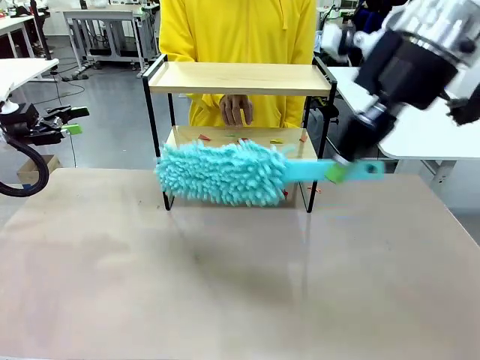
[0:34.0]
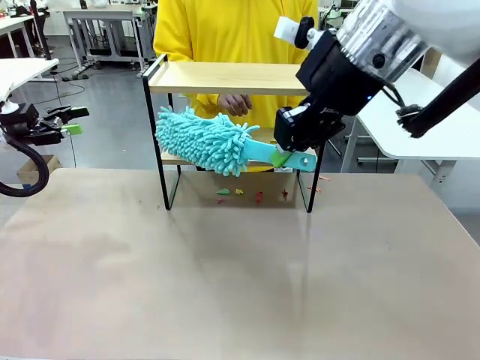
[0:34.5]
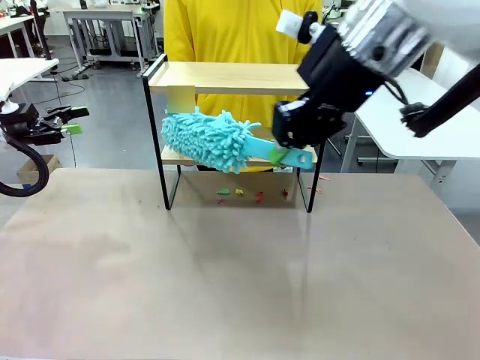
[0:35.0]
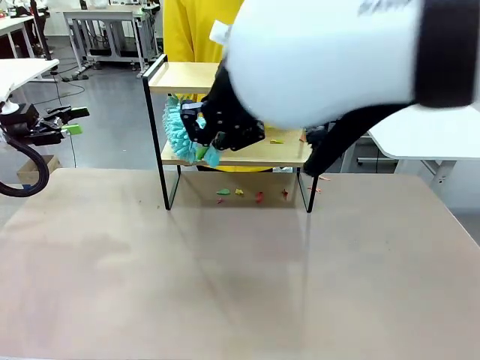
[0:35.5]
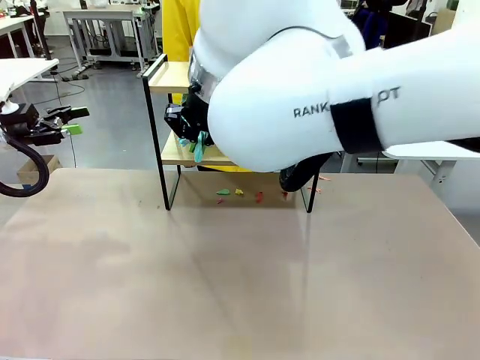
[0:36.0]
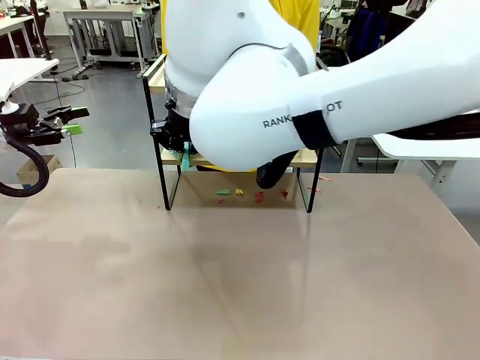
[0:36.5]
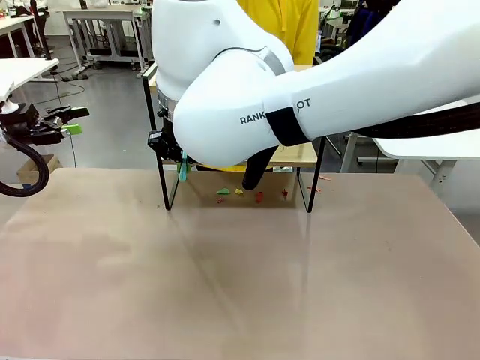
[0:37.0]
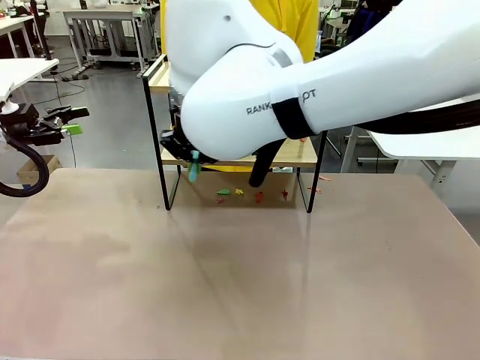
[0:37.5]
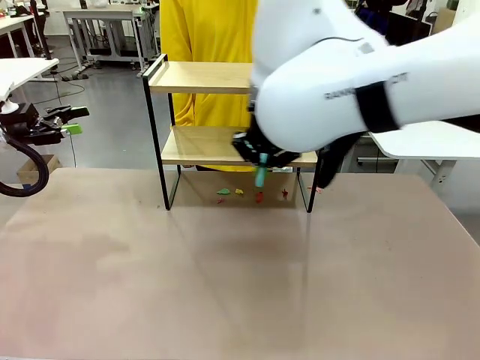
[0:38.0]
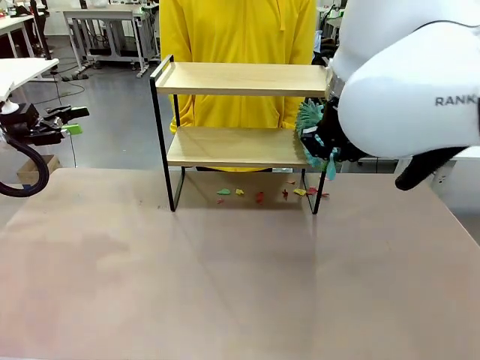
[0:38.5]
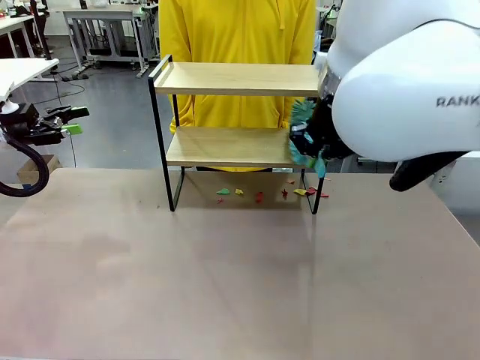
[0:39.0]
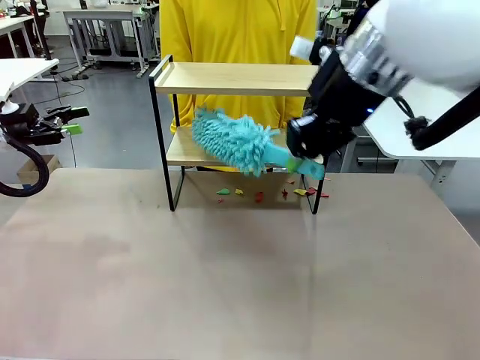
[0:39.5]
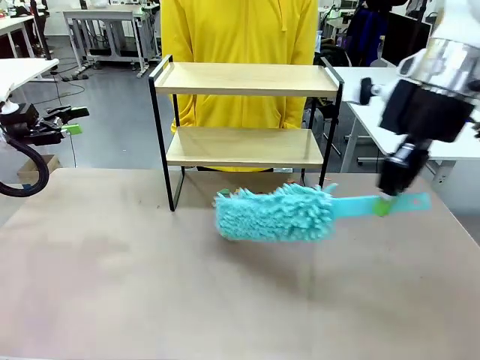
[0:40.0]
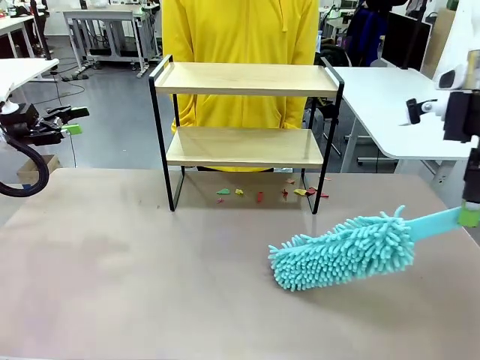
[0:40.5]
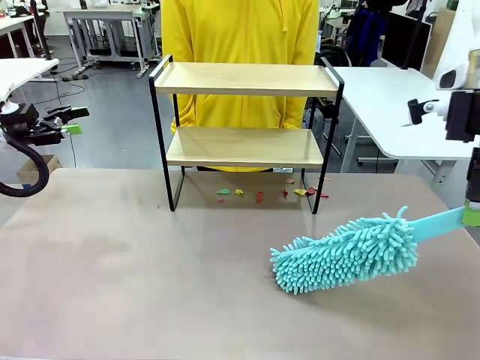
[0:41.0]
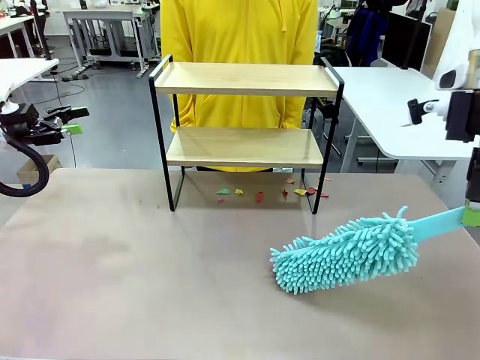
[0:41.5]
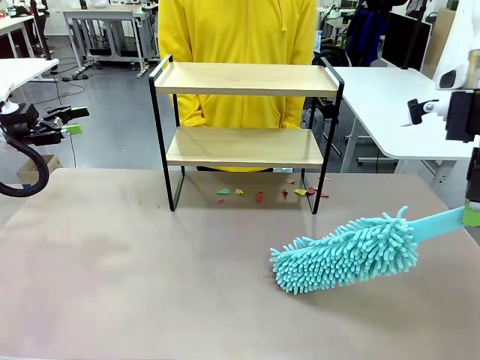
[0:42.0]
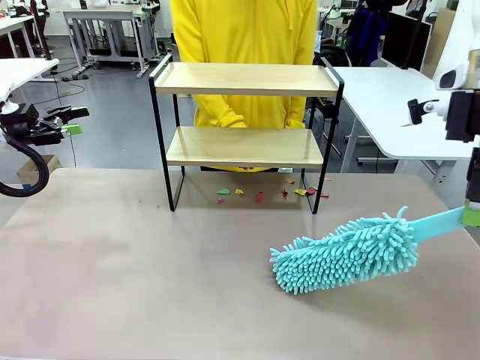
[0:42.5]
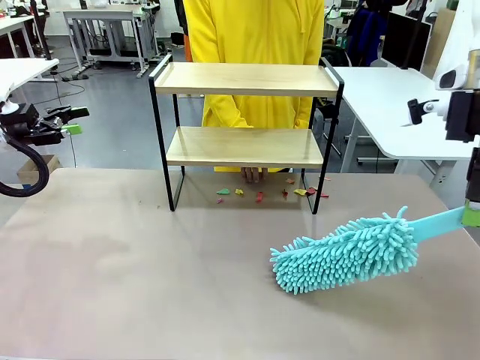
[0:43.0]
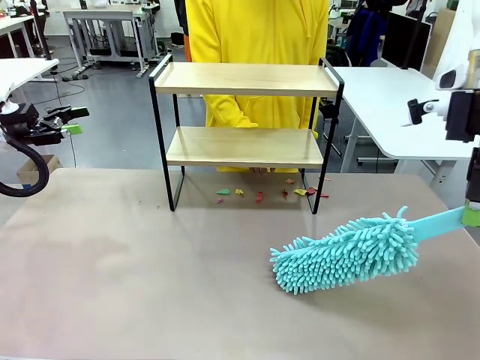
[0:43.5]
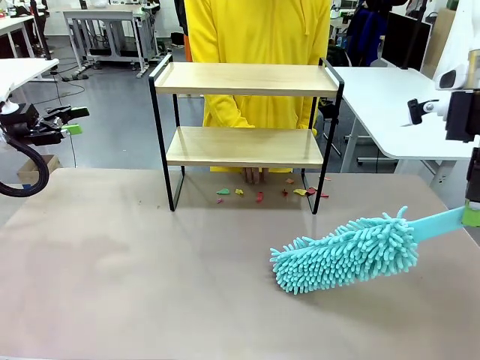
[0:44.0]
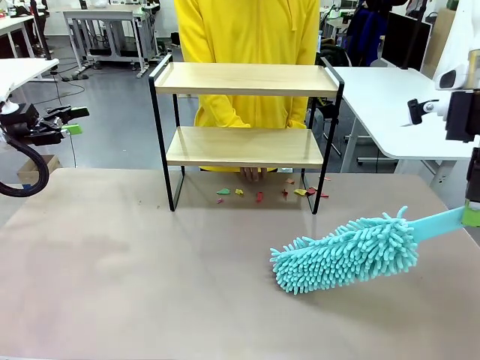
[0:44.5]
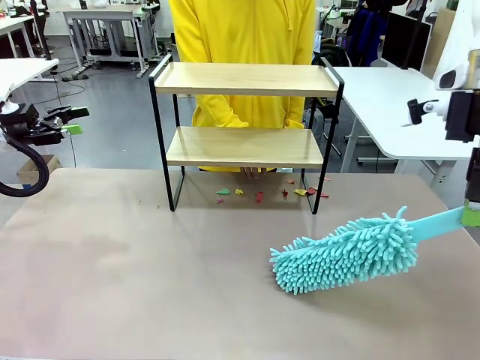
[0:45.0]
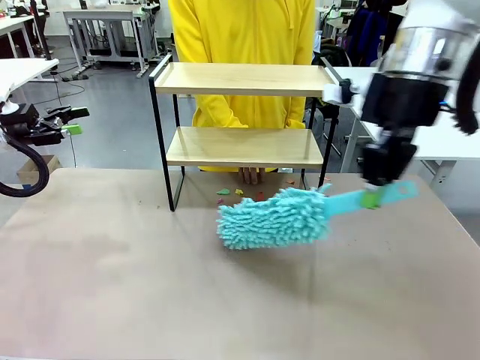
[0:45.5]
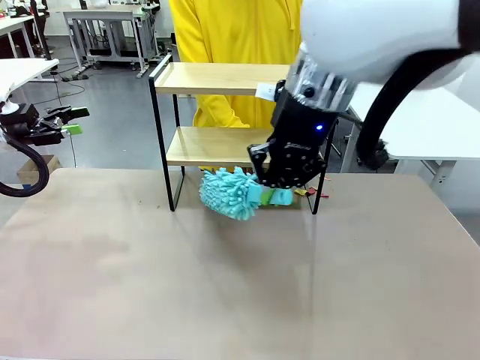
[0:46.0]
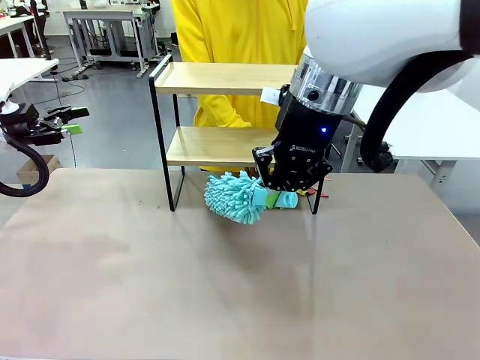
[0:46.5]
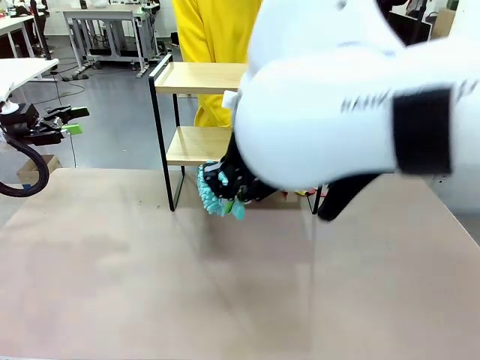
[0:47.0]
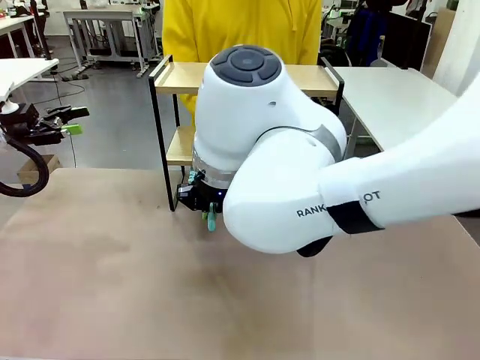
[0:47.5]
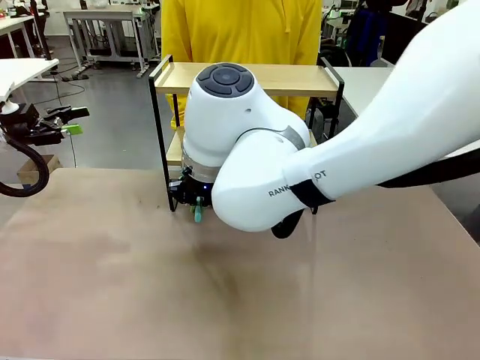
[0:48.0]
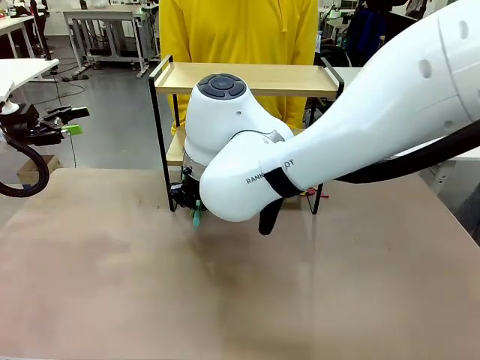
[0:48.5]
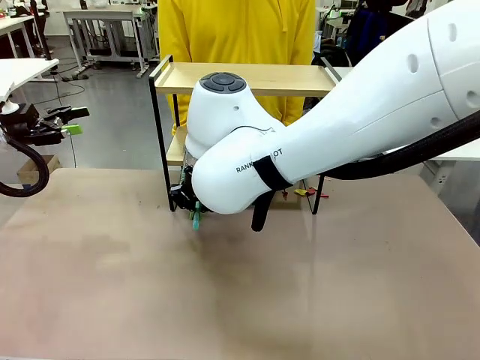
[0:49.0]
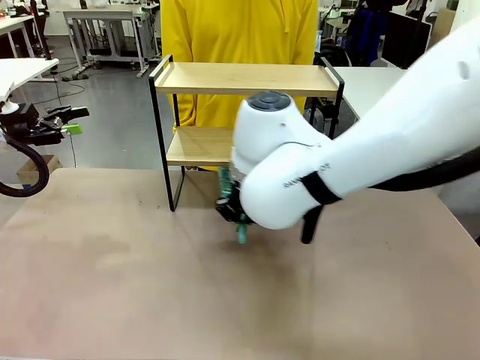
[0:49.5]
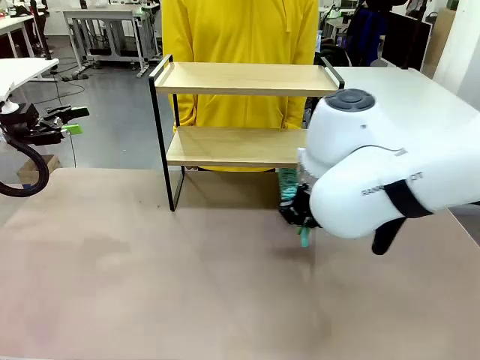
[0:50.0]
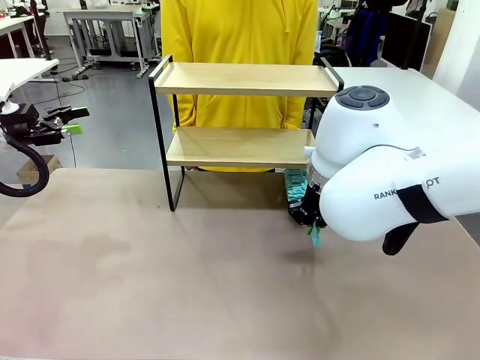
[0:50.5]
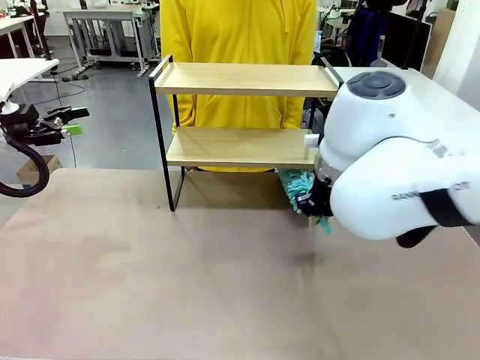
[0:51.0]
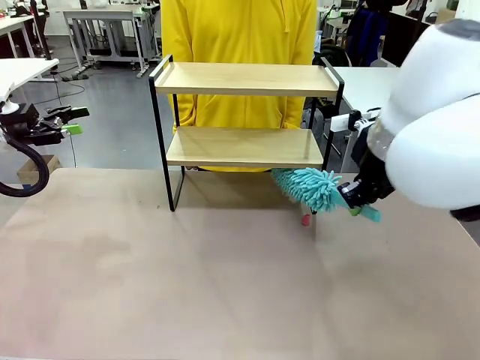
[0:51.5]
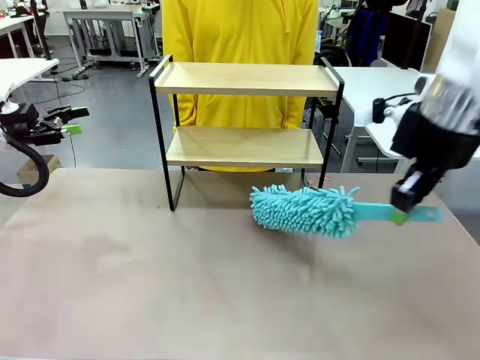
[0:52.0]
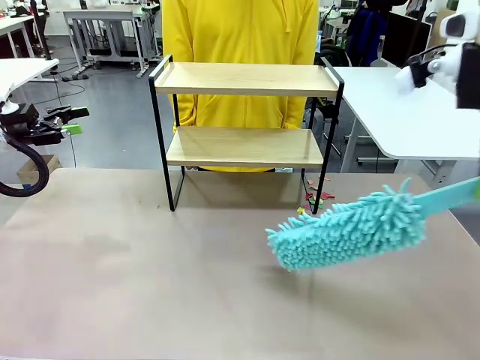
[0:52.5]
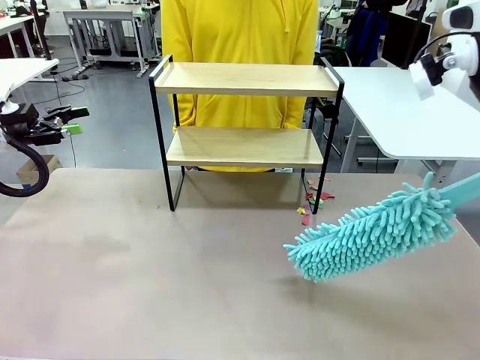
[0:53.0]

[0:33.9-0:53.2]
Task: Clean the shelf.
Robot: Clean the specific section of the Shelf indicated by the human with the Duster.
Person: Point a remaining section of the Shelf.
